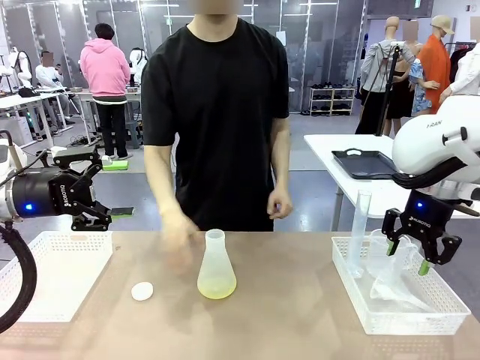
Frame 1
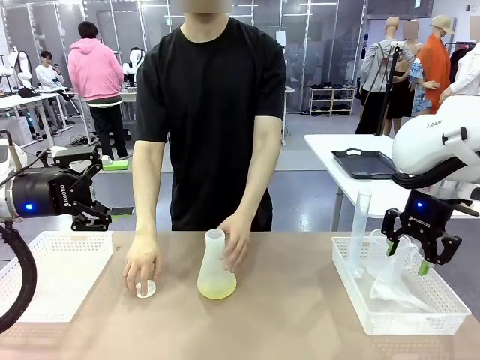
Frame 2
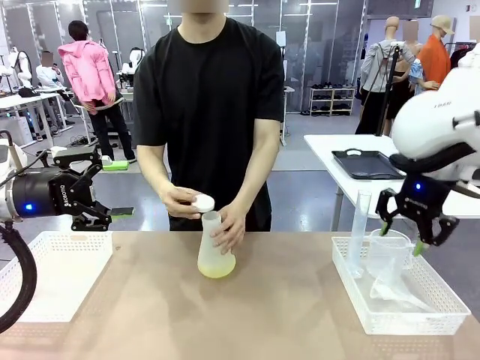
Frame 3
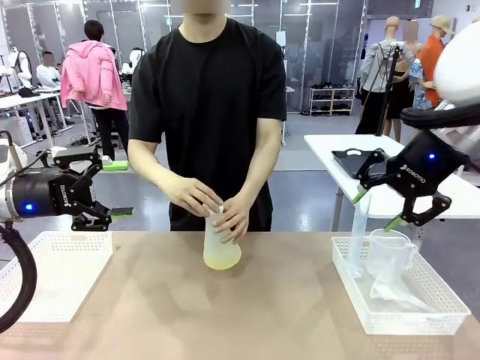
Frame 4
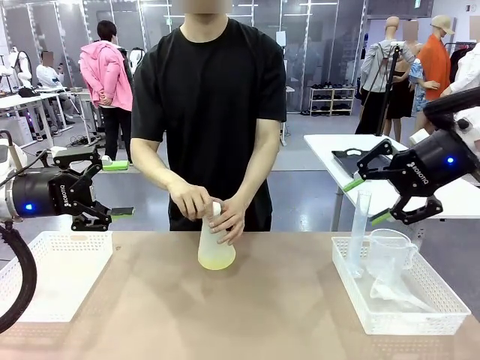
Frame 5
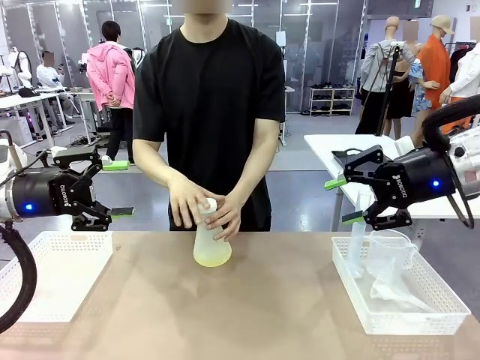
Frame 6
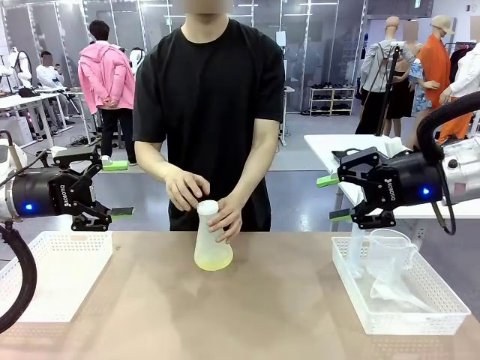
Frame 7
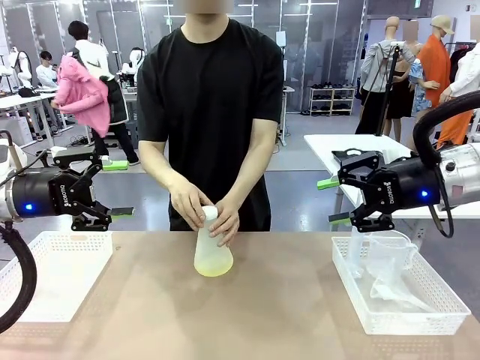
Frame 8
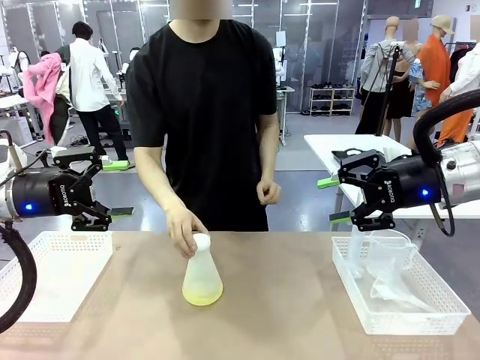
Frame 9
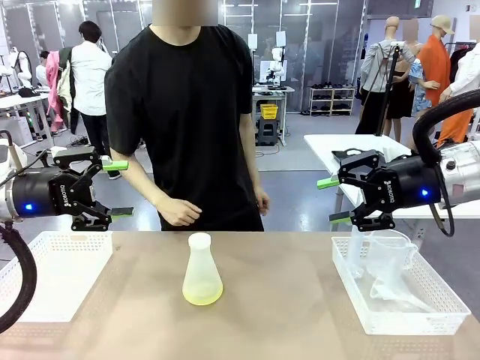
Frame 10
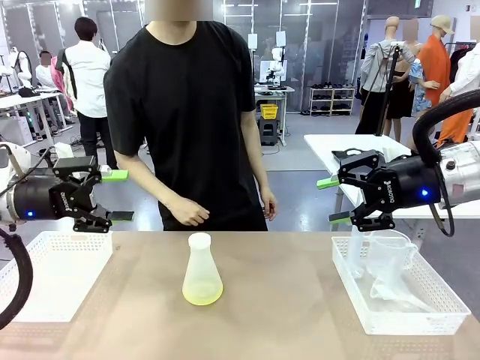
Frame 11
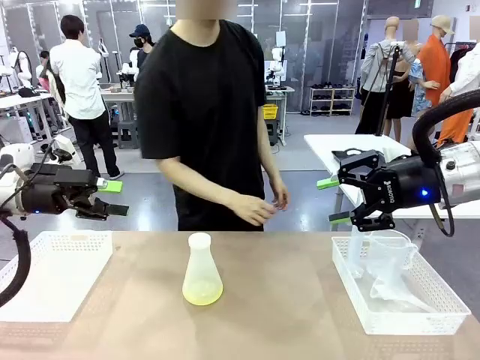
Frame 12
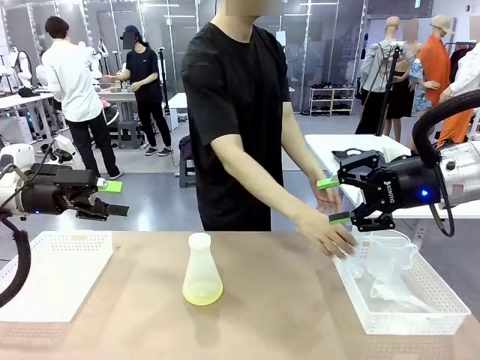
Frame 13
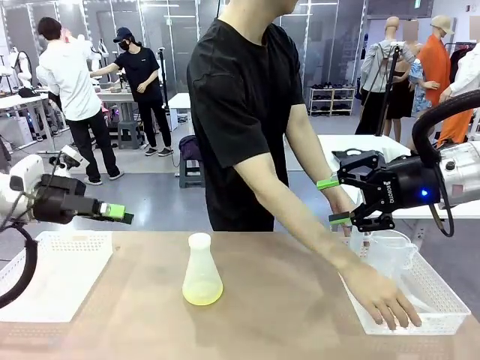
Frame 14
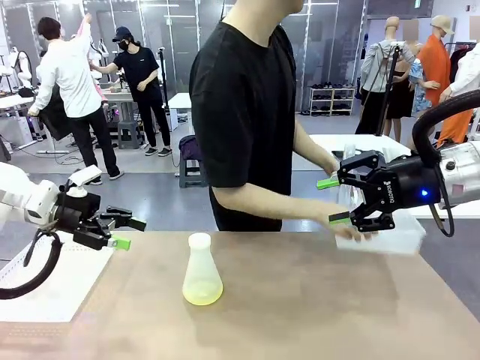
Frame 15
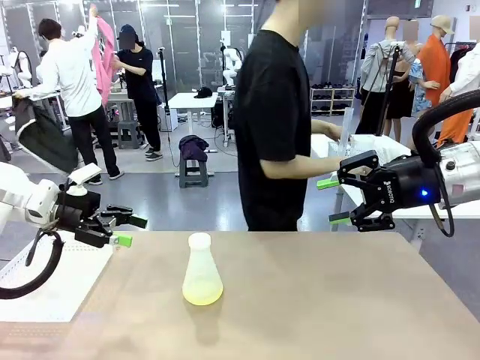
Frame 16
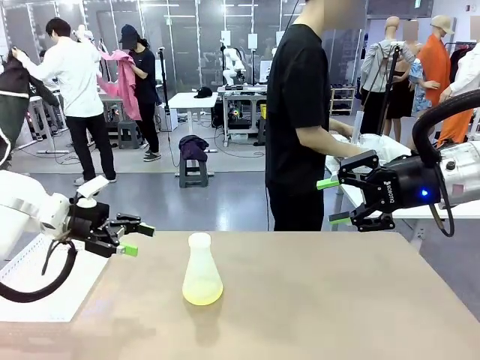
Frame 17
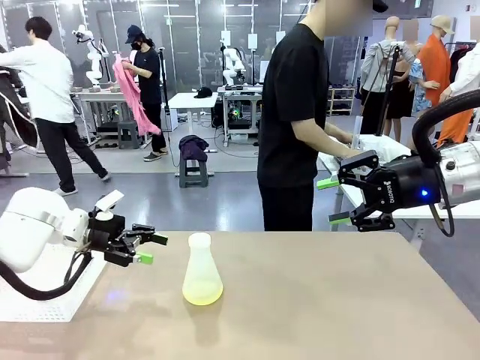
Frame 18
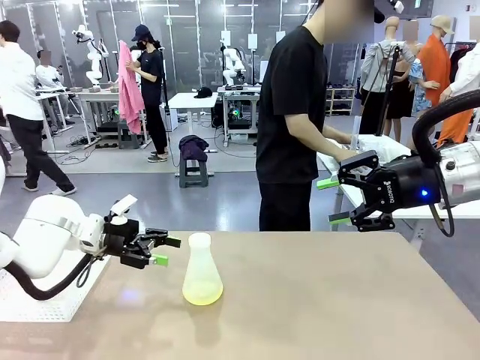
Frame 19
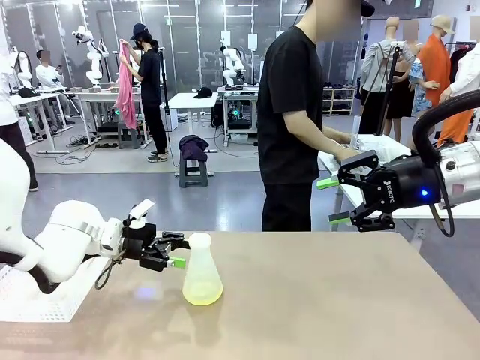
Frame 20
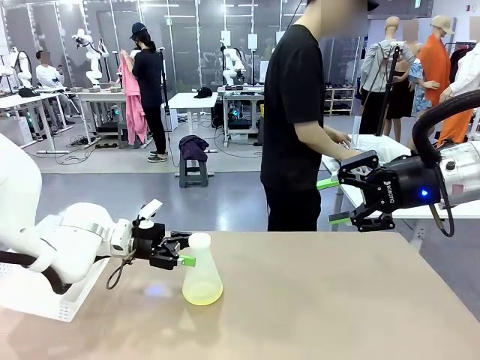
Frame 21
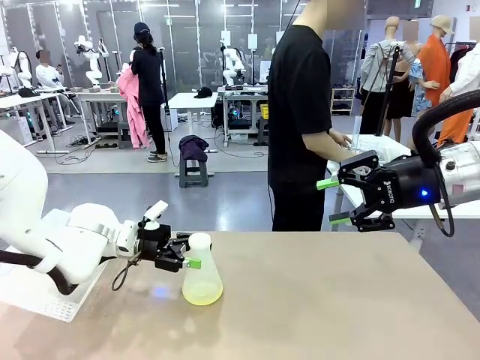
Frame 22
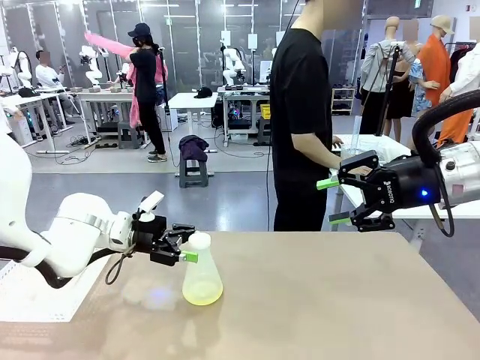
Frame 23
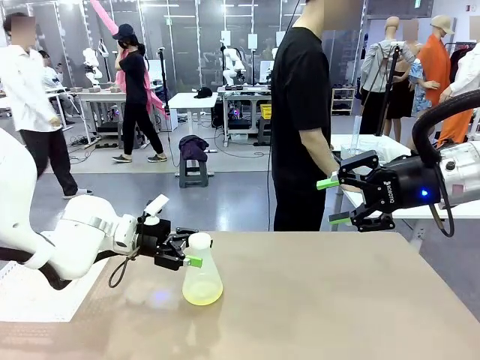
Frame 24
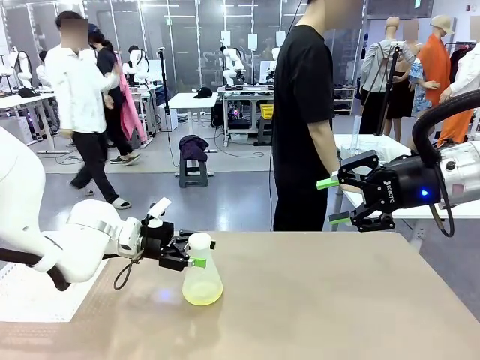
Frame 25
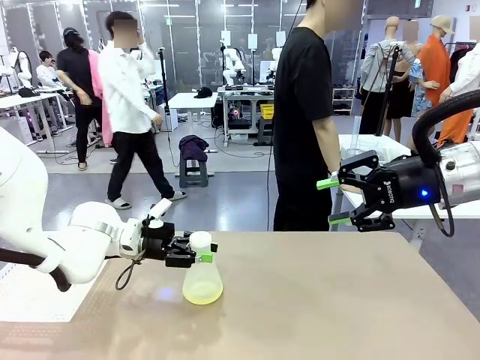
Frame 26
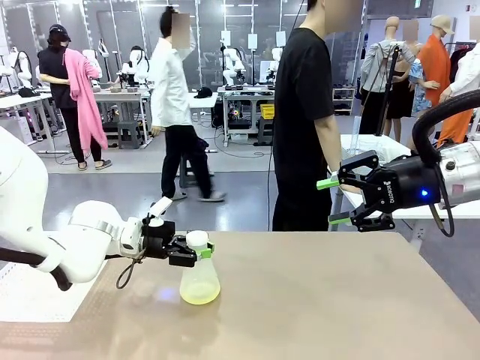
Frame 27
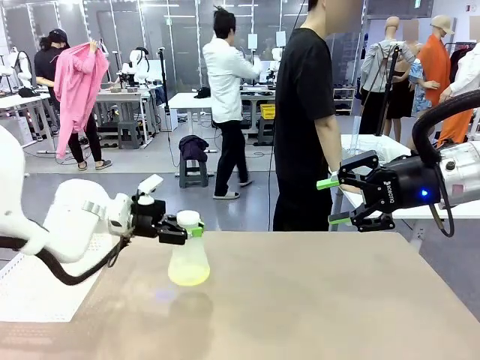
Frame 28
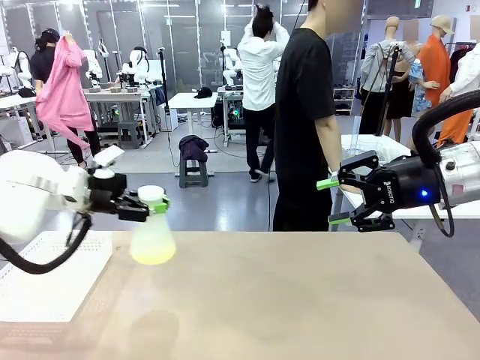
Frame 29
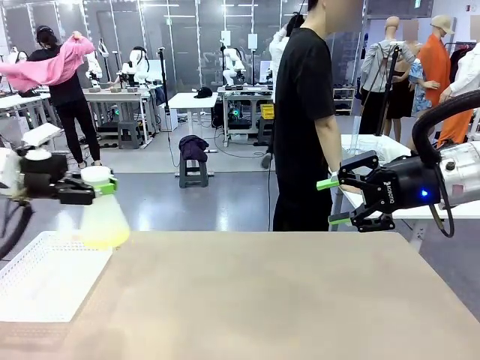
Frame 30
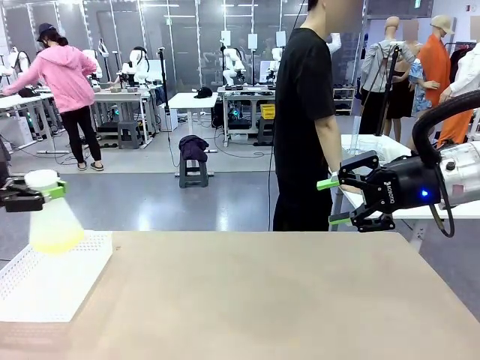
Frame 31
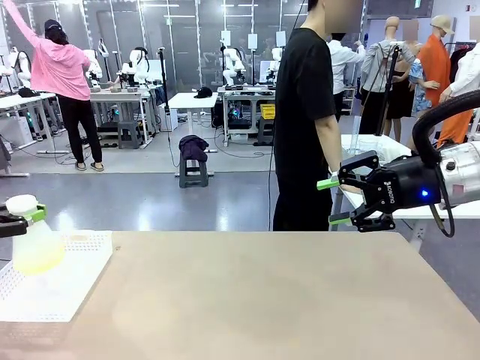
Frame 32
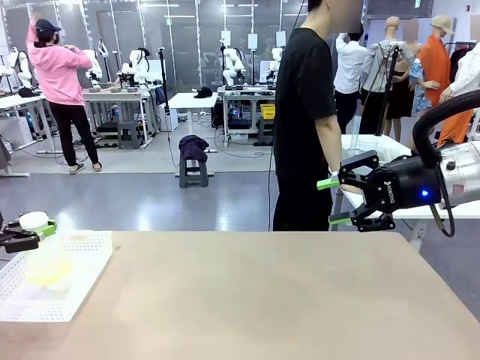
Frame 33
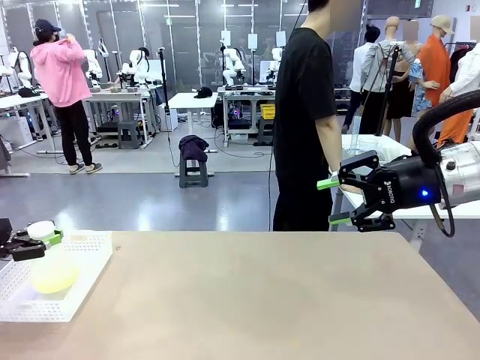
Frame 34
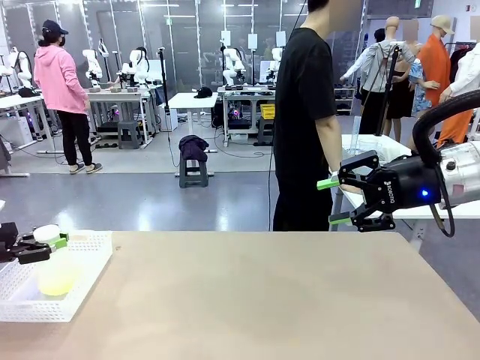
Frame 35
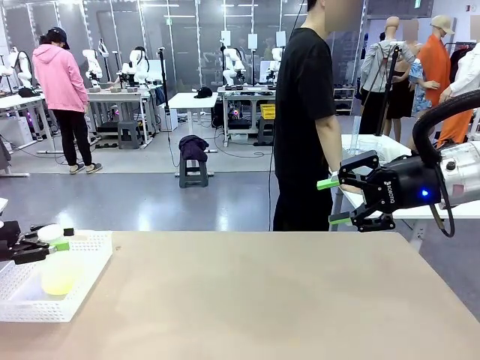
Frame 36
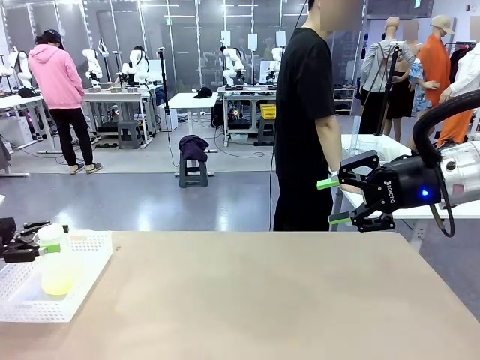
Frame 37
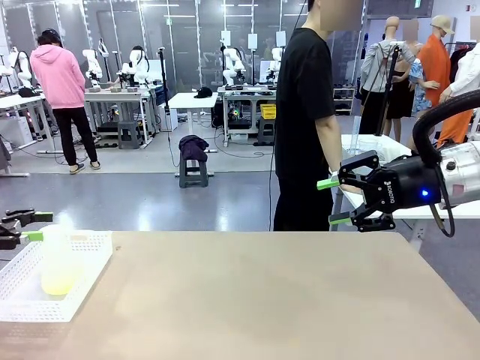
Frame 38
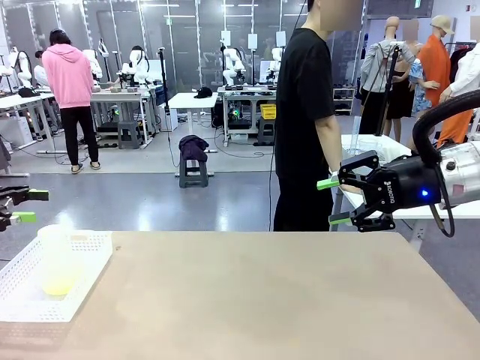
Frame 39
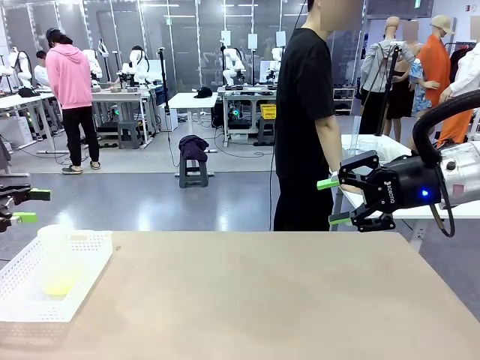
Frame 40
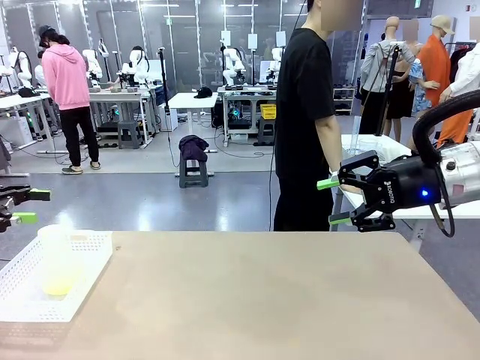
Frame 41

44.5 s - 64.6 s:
Task: Prepare the solutions needed for the experiment.
Robot: When the human places the Big flask in the center of the table, pick up the Big flask and place it in the left Organizing basket.
Person: Pick up the organizing basket on the left side of the robot table and place it on the left side of the human table.
